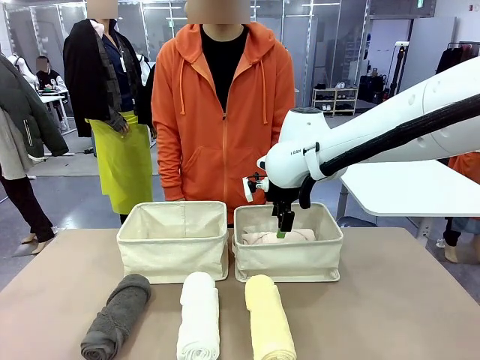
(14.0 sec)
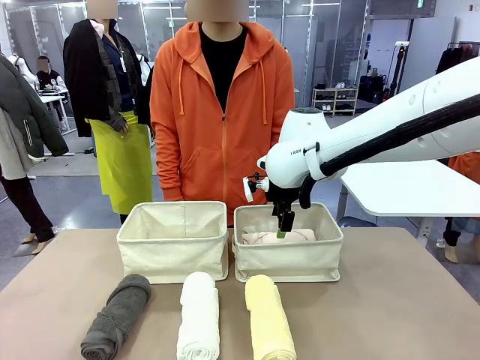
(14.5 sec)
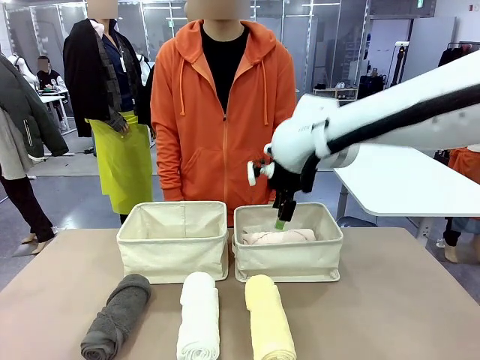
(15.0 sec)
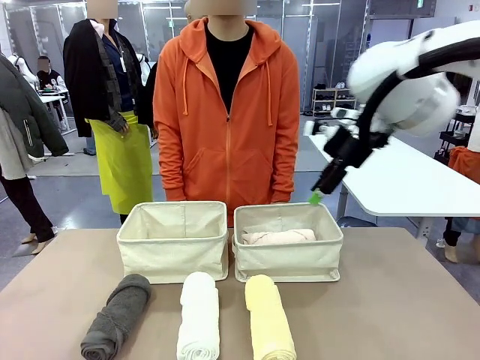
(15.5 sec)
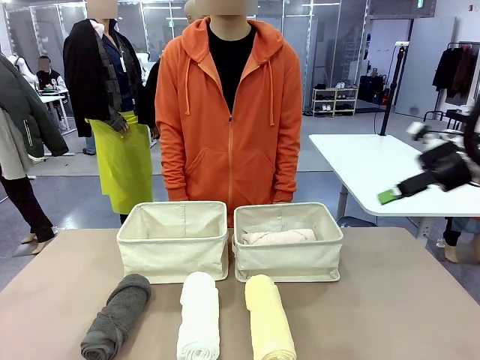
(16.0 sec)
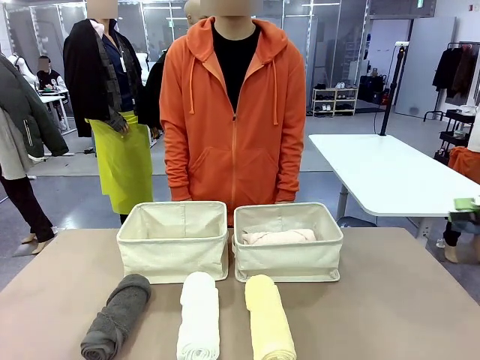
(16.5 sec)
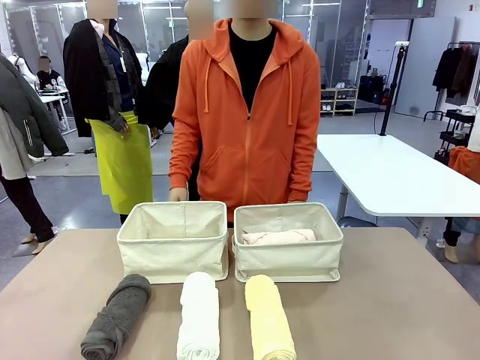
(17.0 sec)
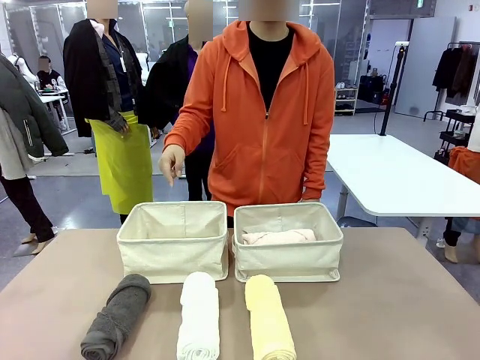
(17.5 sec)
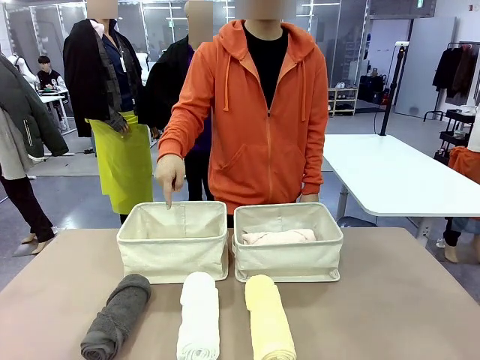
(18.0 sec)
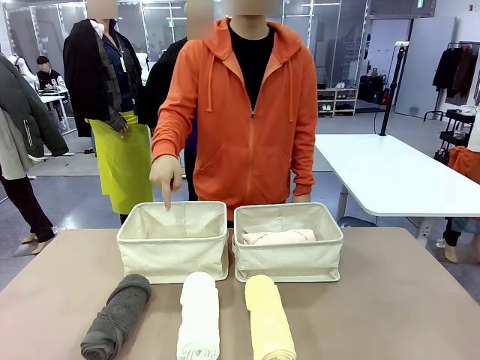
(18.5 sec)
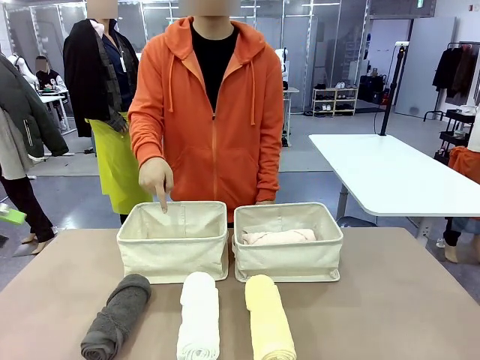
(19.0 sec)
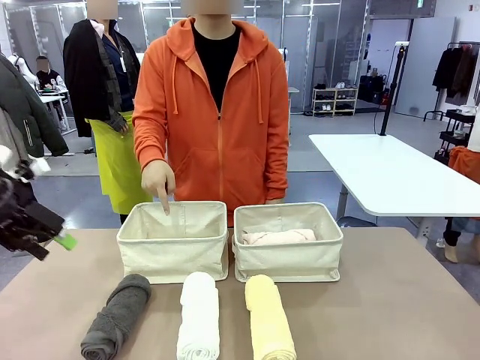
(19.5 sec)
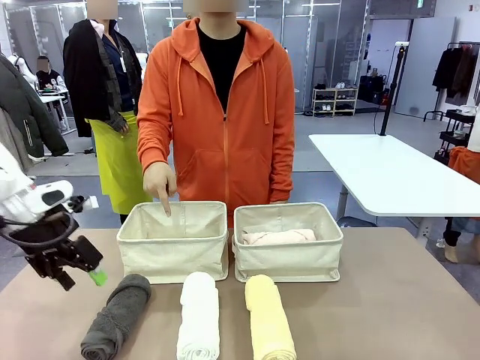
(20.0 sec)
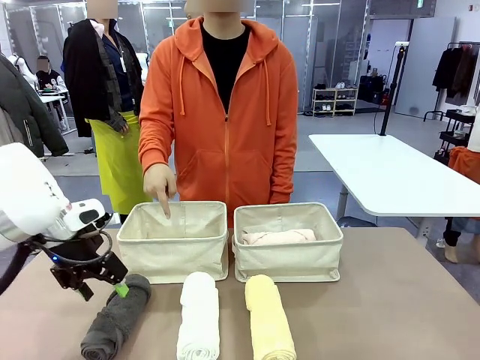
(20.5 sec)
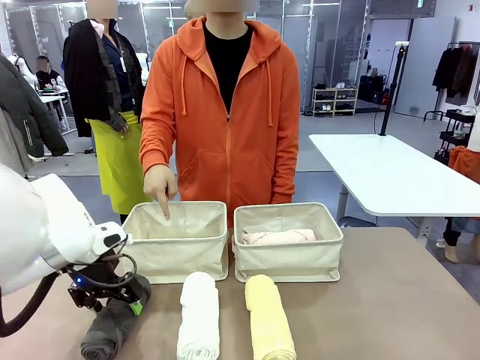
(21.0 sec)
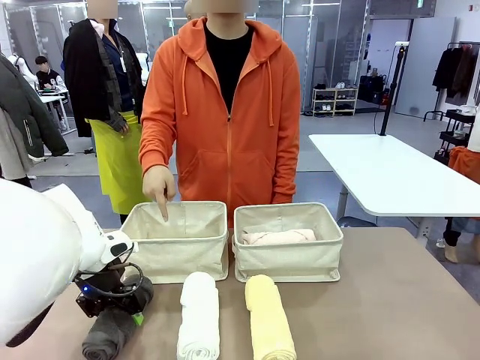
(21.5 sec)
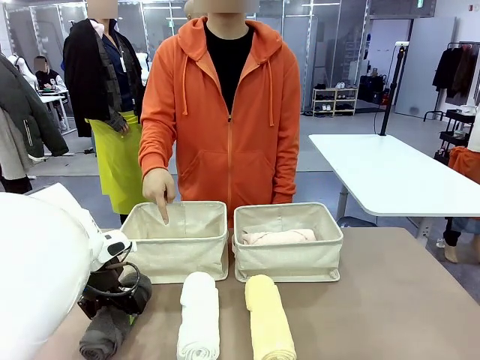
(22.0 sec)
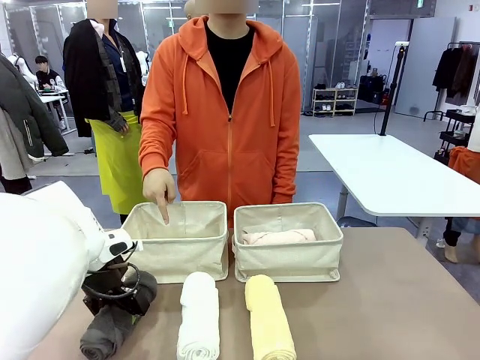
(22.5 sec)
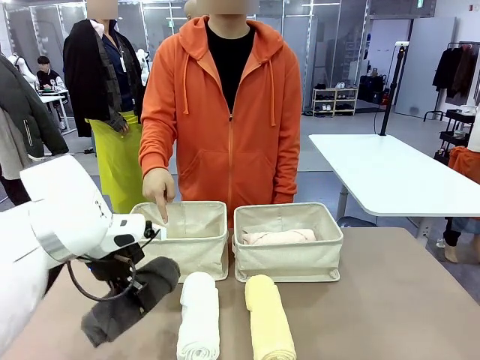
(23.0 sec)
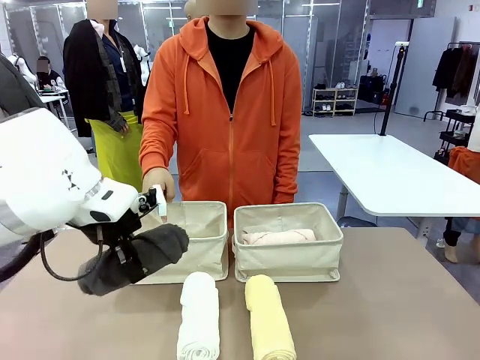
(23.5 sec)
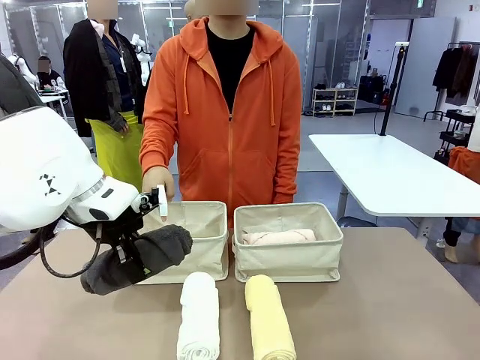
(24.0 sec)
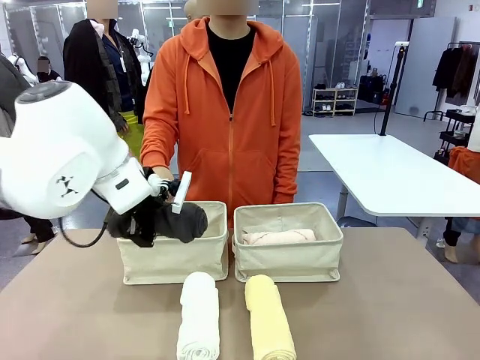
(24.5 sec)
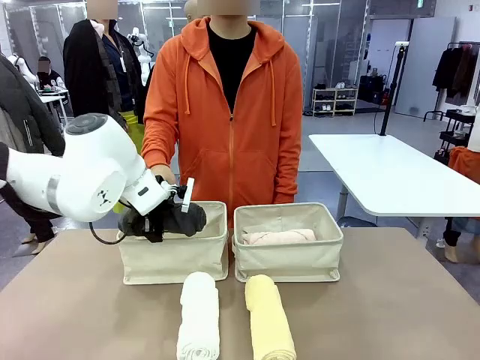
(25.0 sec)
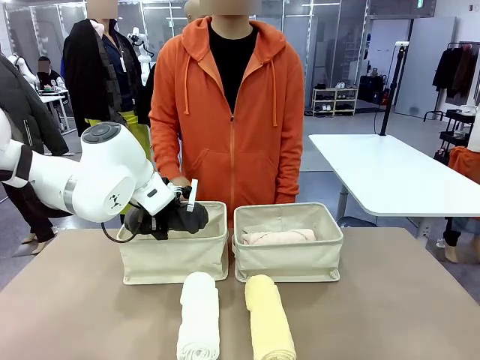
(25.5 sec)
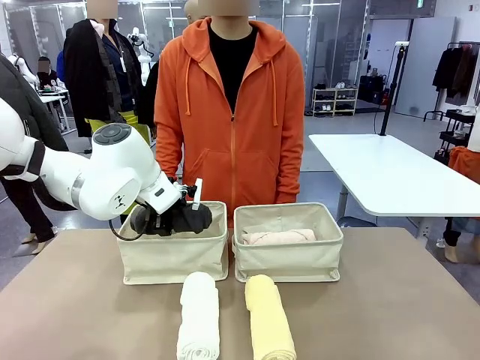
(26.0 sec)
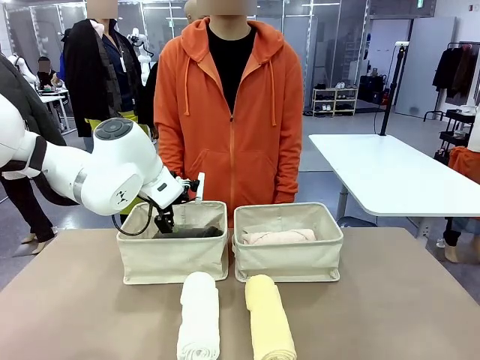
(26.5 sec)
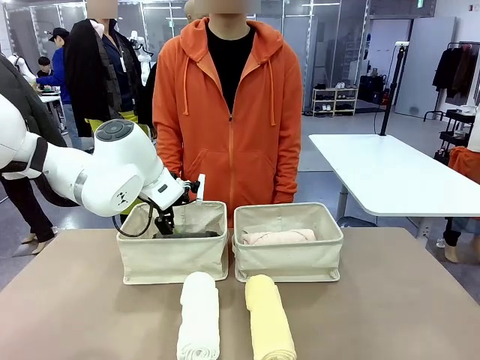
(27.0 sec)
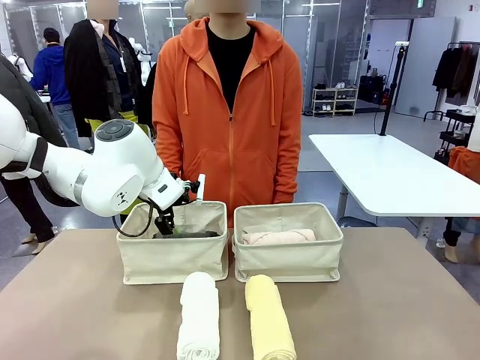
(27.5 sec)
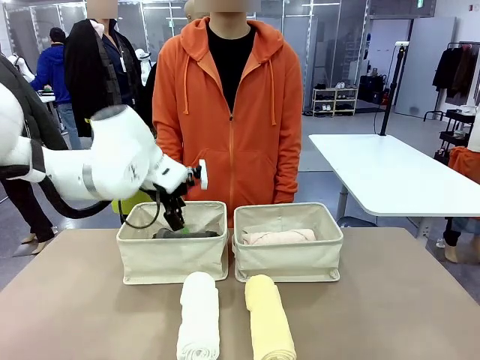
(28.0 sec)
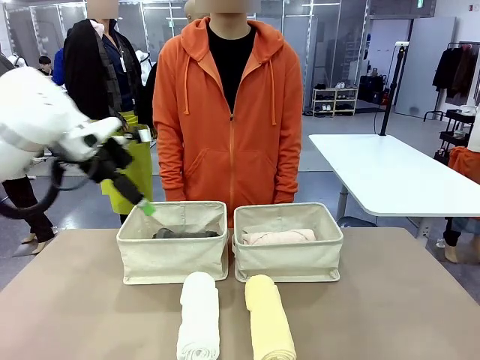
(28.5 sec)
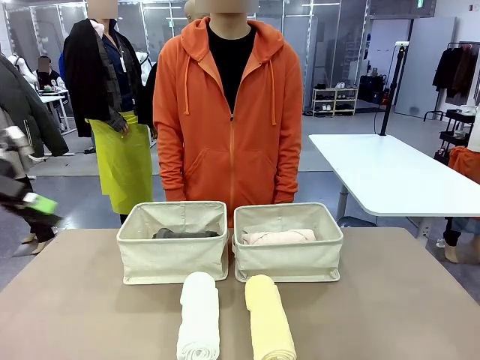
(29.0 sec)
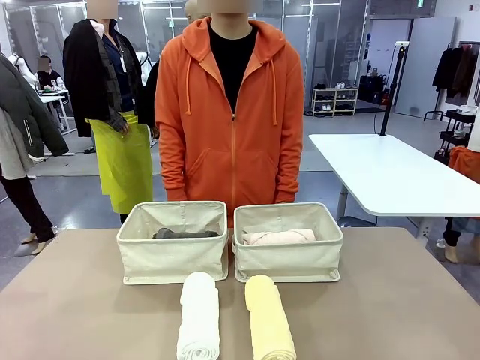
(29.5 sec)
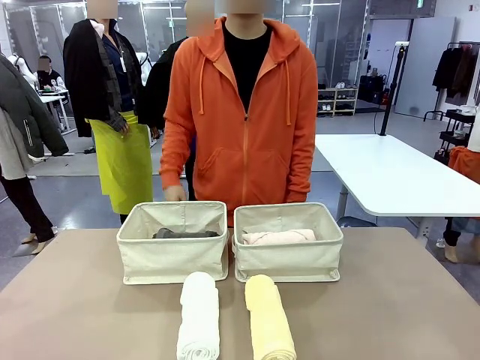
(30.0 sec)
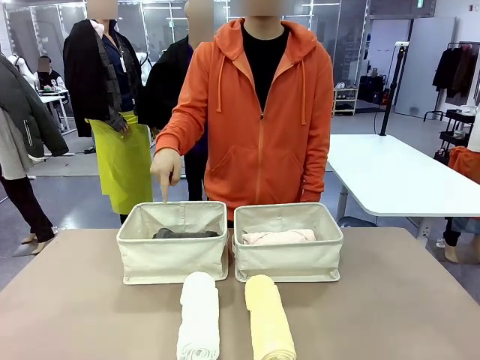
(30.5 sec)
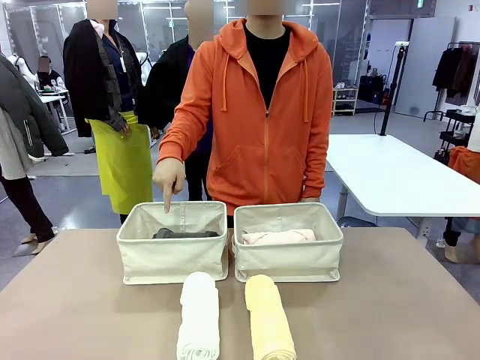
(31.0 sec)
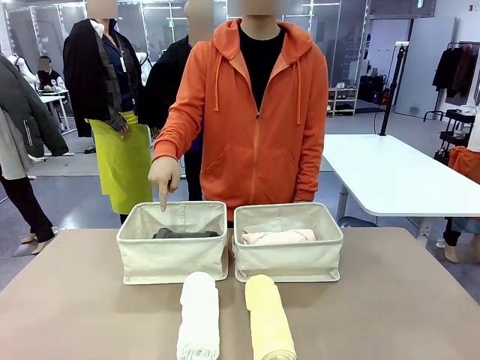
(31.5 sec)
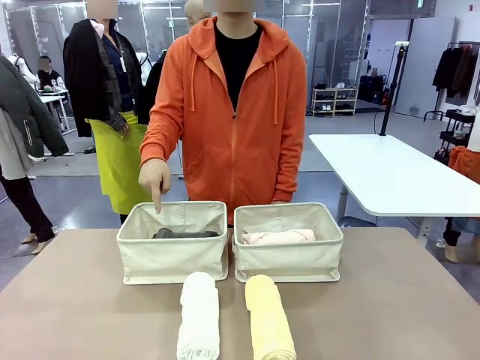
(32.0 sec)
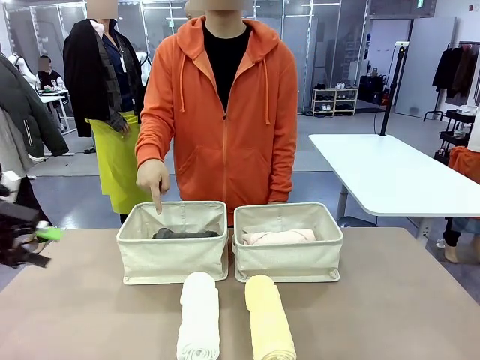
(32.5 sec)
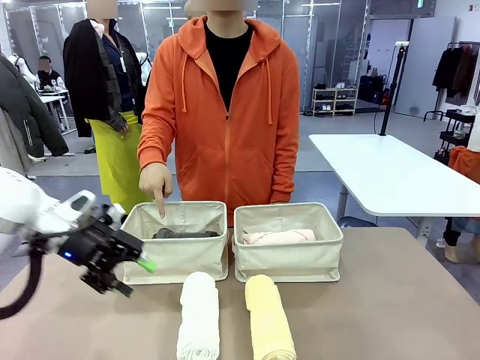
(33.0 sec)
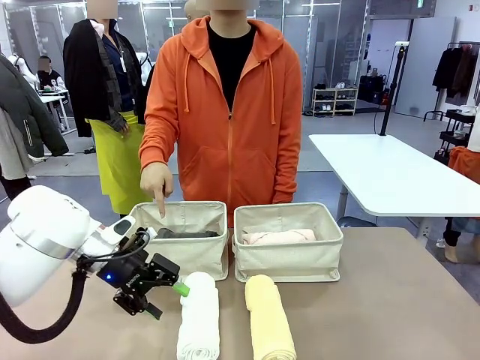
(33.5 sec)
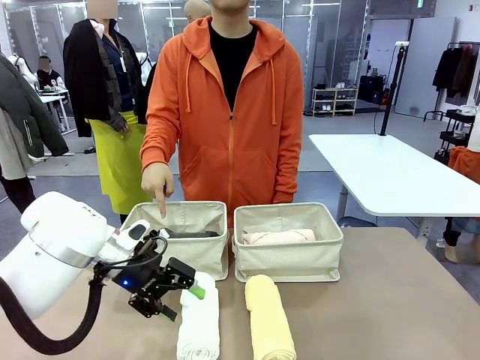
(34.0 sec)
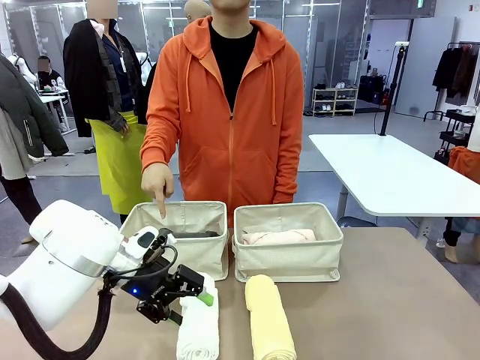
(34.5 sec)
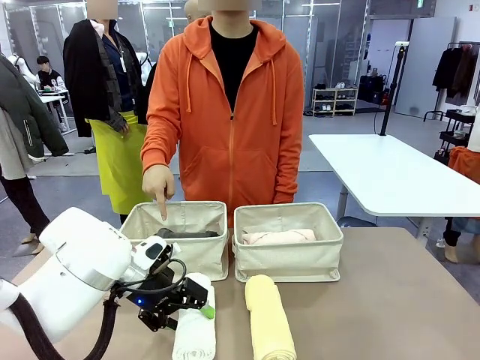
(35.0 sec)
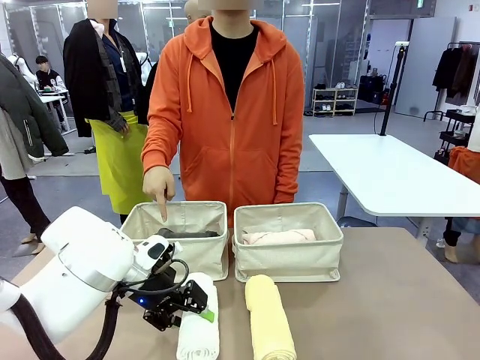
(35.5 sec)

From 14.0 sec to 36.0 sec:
Task: Divide the towels into two baskets.
Robot: Pick up one hotel-folded towel from the bottom of the table and place it in the Fabric basket indicated by the person.

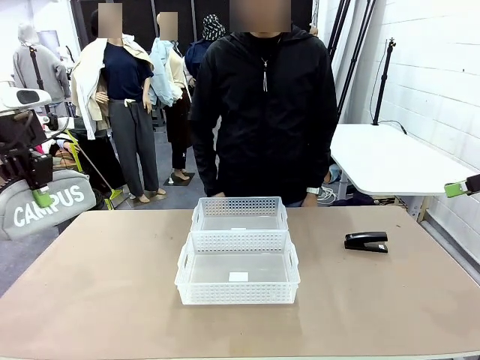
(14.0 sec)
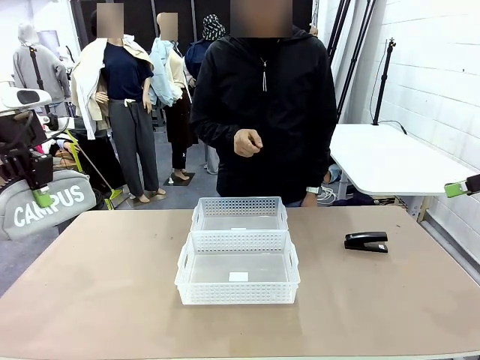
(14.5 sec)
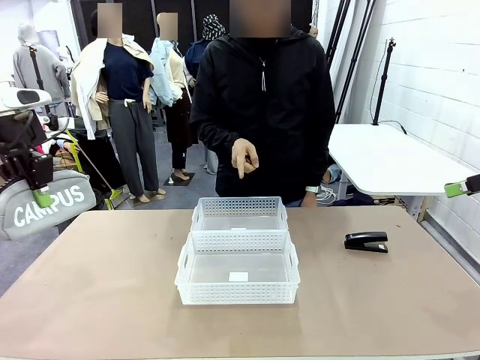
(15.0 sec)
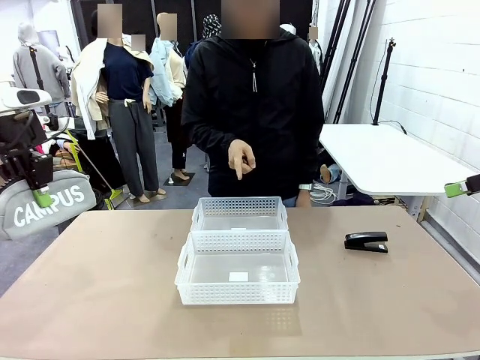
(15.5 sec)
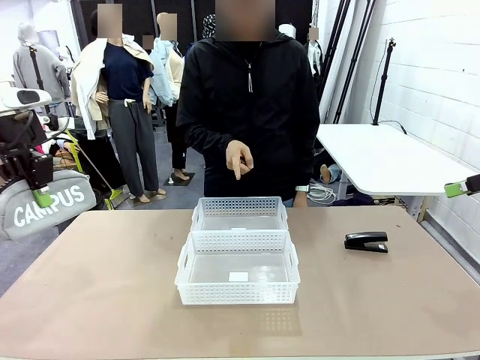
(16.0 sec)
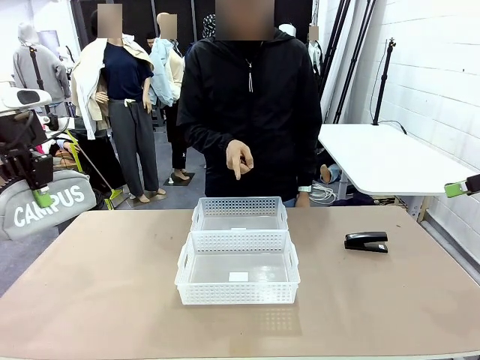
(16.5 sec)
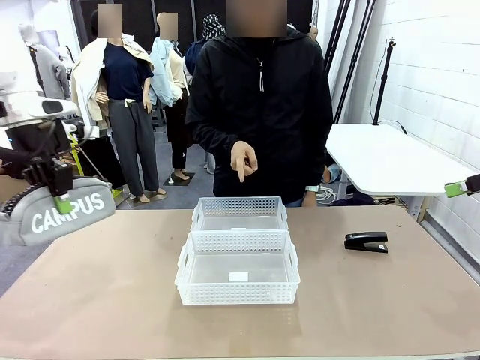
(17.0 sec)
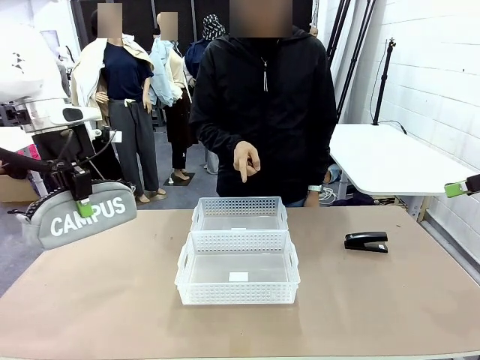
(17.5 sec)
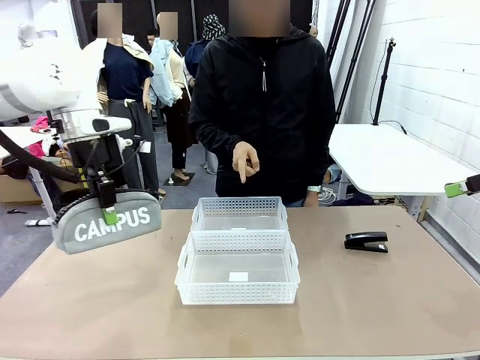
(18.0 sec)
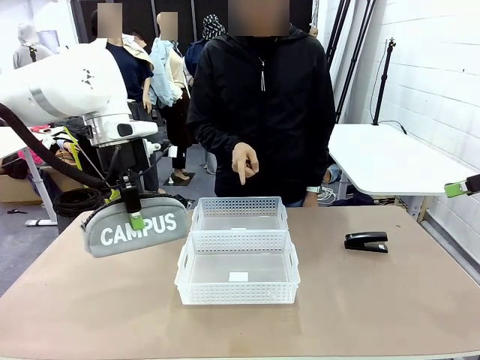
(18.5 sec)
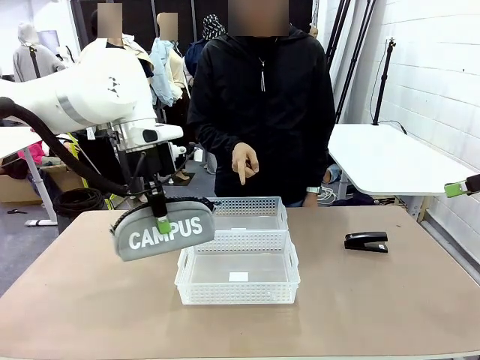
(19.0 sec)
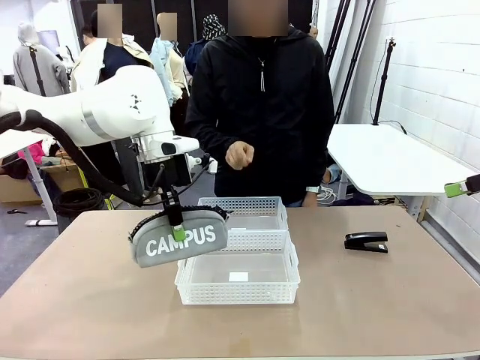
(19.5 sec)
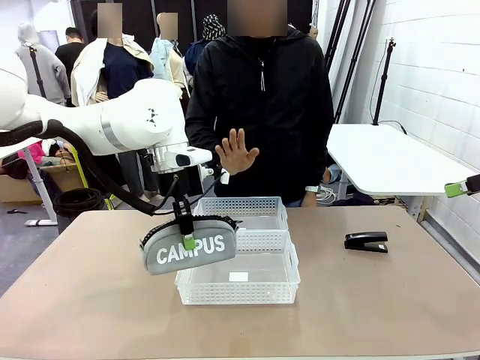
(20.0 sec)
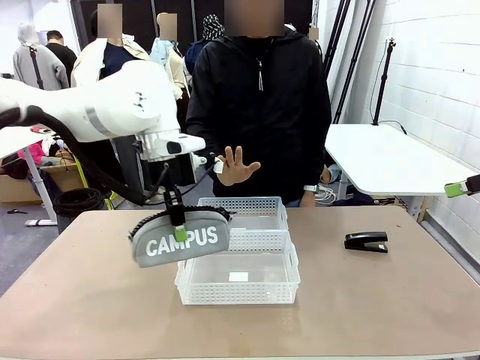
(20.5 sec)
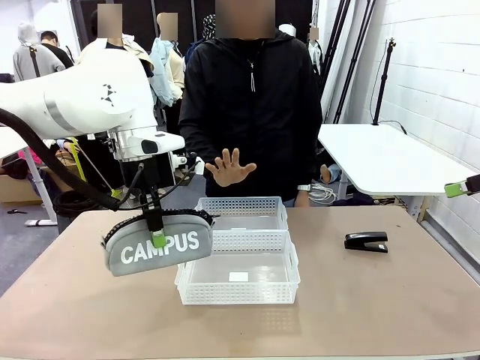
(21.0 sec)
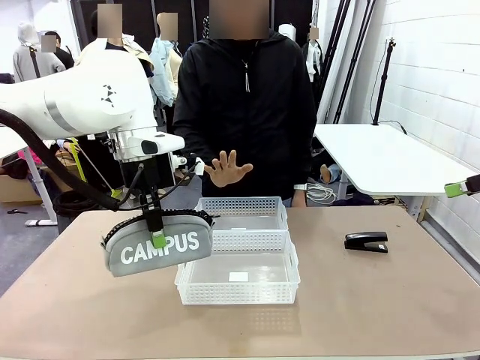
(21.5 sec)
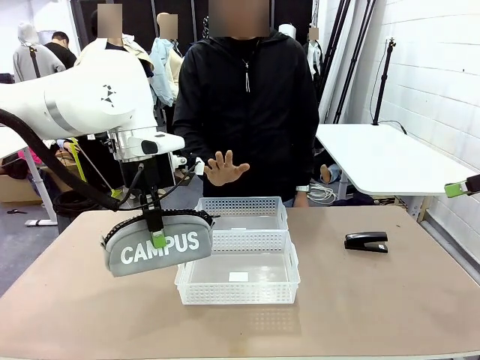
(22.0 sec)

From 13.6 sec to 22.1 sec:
Task: Distribute items into two baskets.
Robot: Move the picked Pencil pouch towards the Organizing basket indicated by the person, stopping as directed.
Person: Sends a stop gesture before the robot places the pencil case into the basket.
